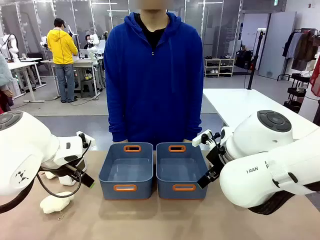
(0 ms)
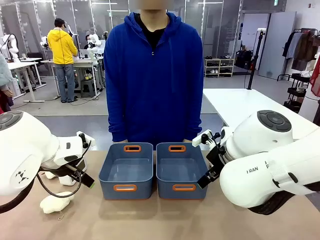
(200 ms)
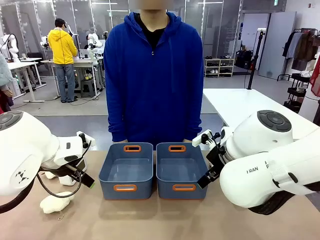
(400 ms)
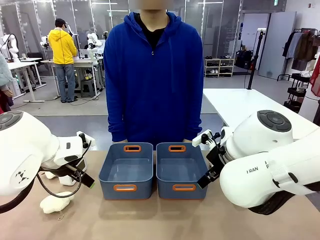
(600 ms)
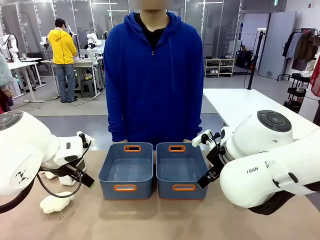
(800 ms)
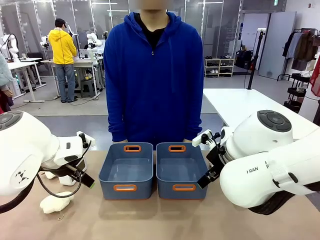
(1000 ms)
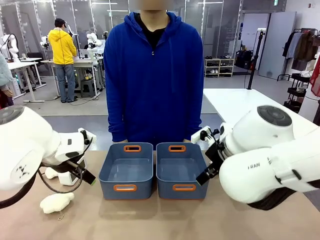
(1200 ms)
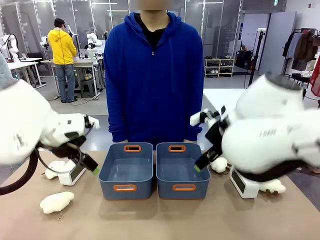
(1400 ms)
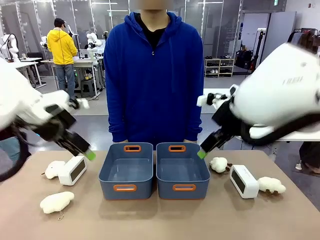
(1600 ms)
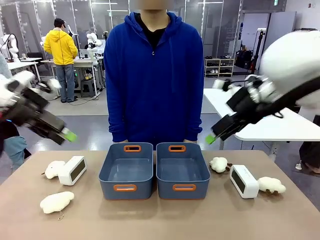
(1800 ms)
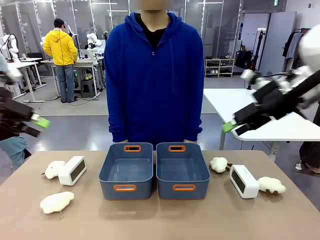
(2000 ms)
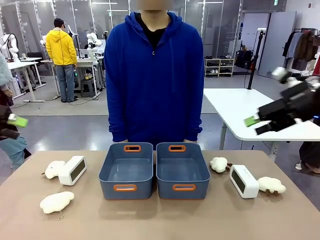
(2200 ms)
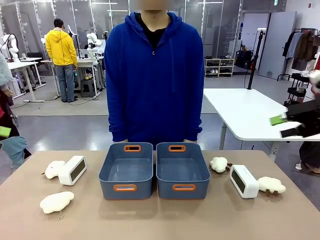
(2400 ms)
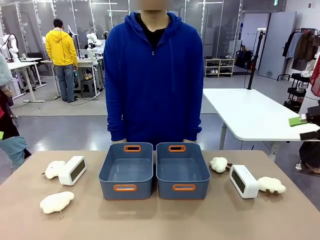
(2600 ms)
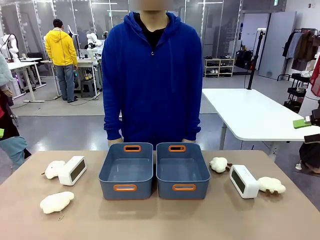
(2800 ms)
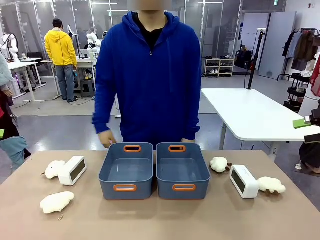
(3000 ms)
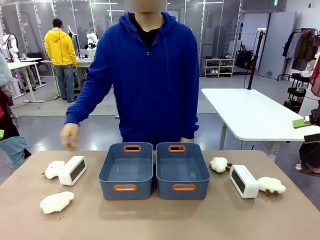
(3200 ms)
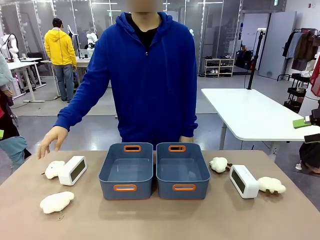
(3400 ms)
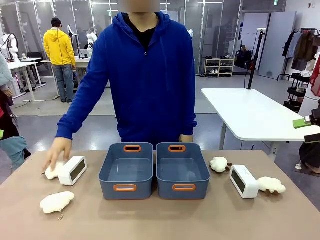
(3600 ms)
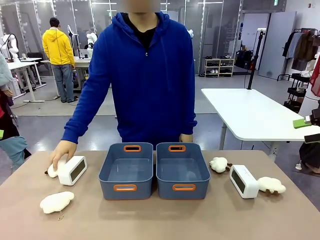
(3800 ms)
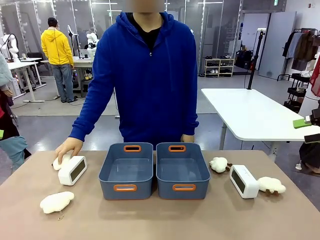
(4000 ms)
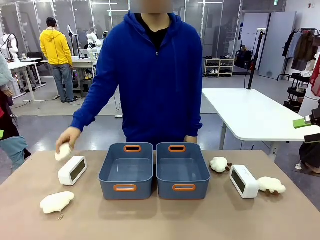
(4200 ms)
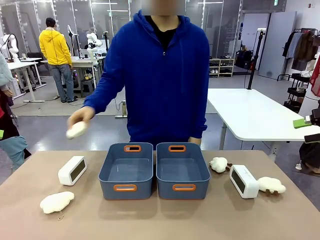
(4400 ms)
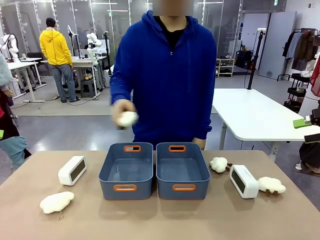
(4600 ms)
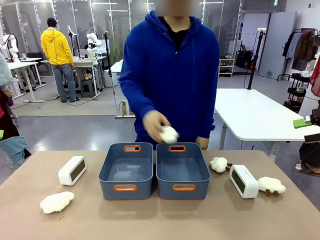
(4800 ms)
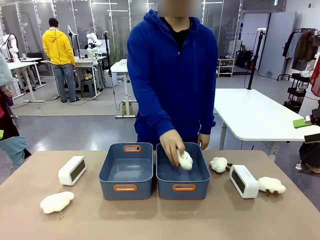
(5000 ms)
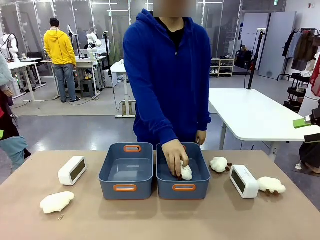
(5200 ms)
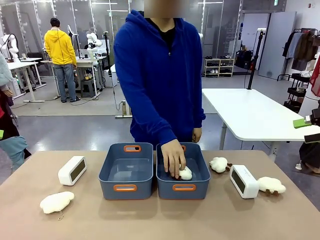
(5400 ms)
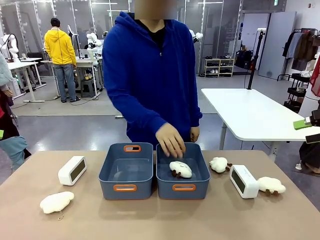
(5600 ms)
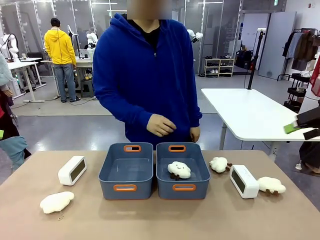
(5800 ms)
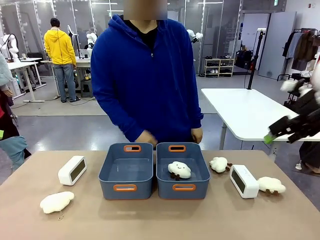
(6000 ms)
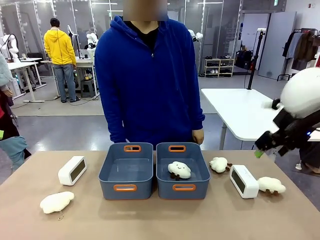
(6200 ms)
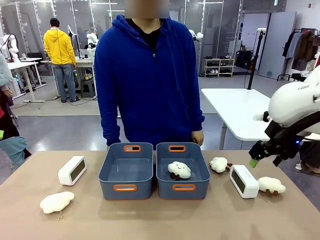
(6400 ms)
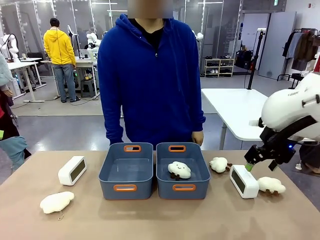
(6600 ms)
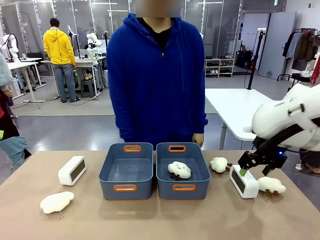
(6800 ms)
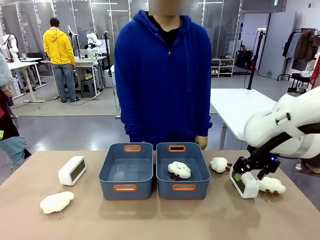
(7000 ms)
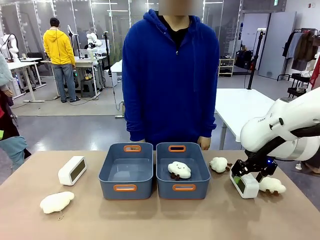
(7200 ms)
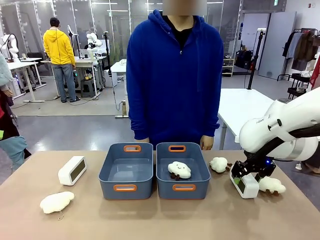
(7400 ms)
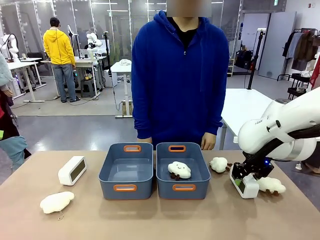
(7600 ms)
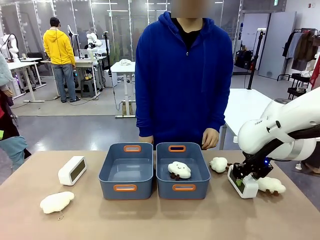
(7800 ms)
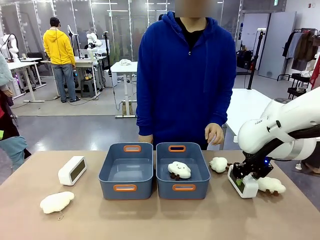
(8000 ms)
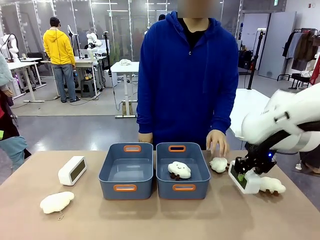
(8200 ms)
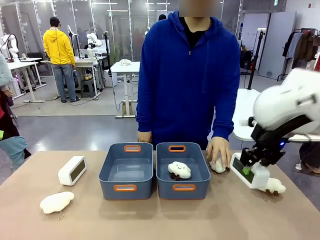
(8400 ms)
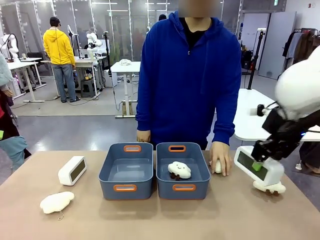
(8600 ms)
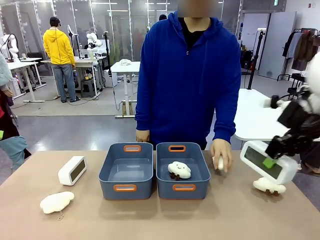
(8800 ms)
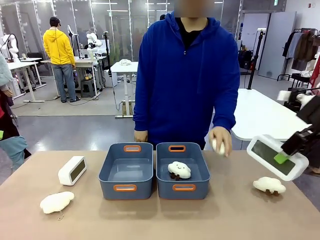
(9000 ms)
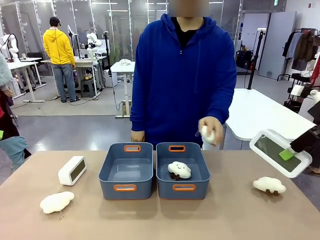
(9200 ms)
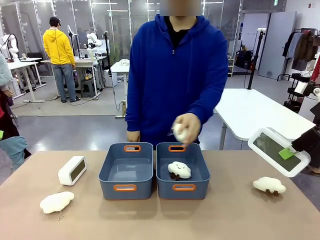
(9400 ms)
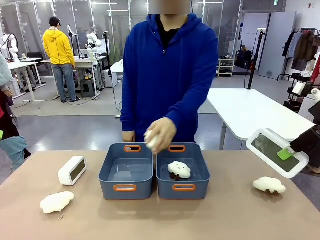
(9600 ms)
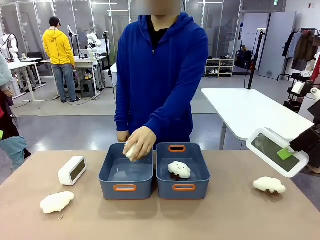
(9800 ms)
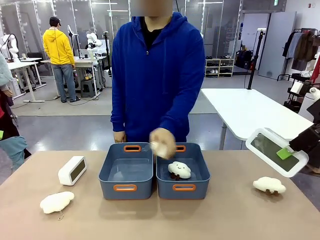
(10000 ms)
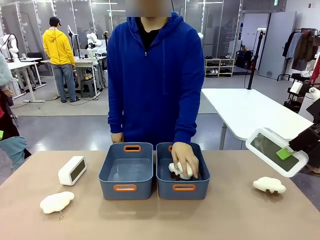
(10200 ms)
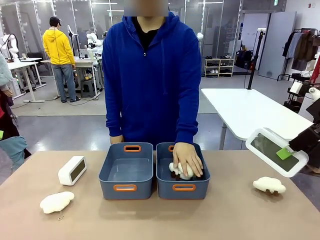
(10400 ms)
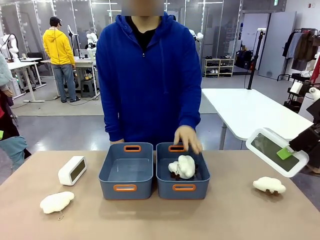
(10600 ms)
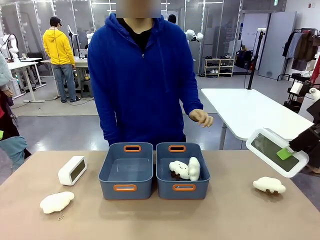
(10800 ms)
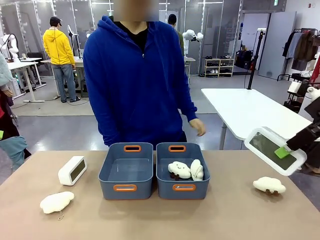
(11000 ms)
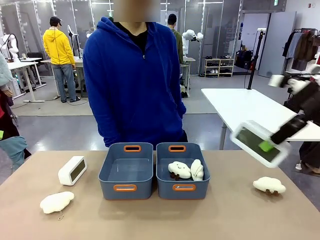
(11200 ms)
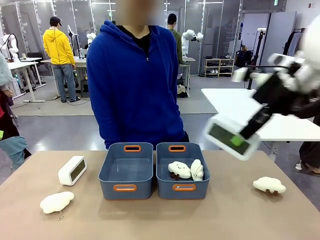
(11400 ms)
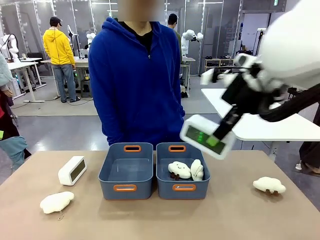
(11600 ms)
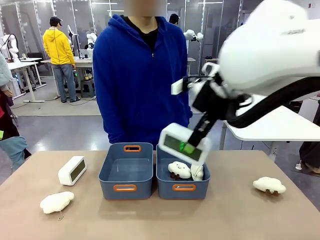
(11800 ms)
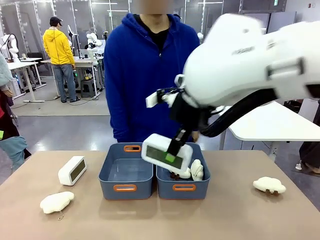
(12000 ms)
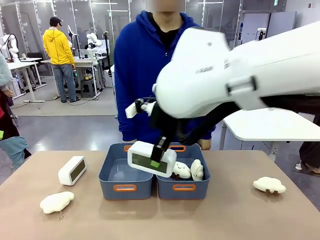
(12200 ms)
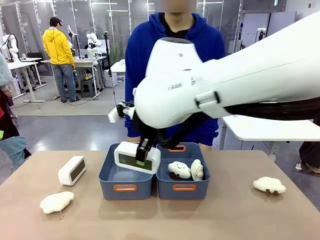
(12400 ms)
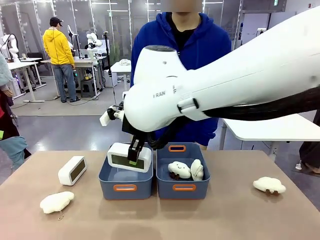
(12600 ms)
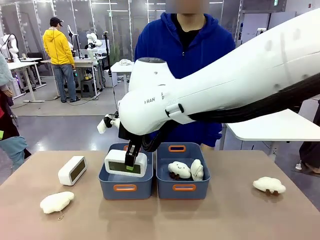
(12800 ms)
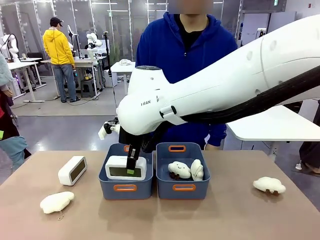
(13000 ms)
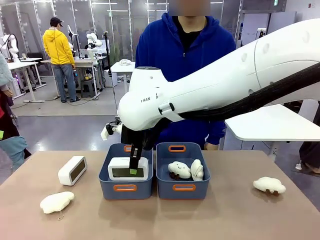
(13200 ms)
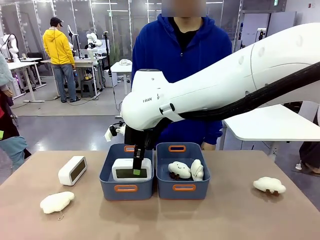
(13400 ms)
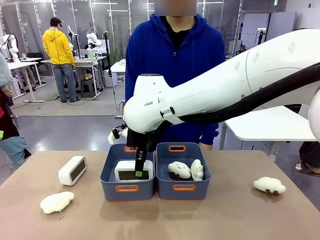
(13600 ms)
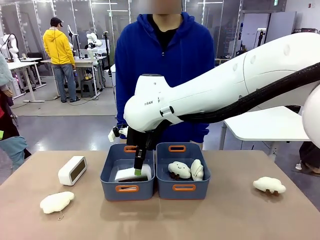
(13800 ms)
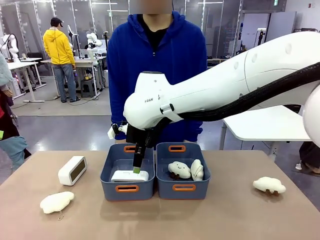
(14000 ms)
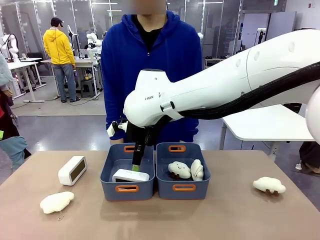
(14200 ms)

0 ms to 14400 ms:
Task: Sort the digital clocks into the basket.
Robot: Pick up the Digital clock from the table and place it into the empty Plastic storage basket.
Person: Pick up a plush toy from the table and place it in a plastic storage basket.
